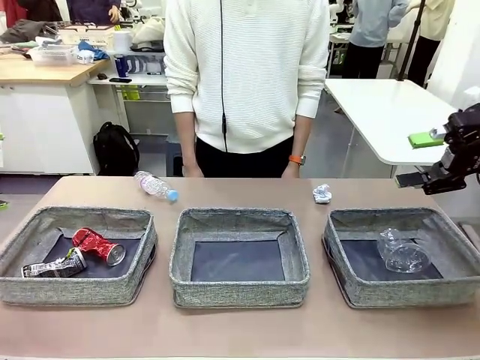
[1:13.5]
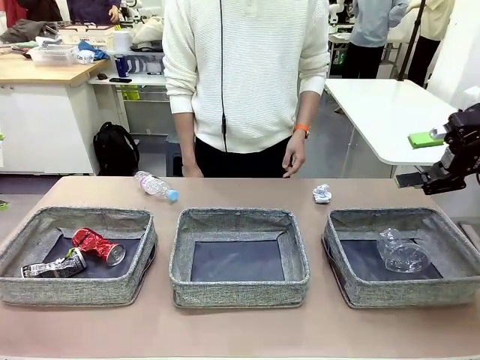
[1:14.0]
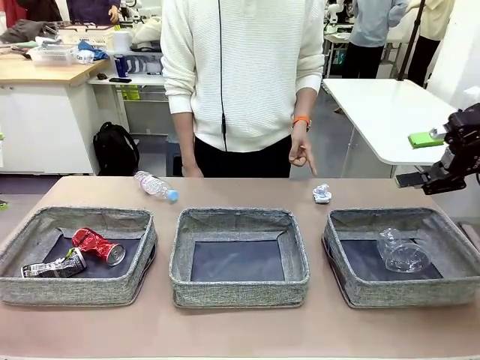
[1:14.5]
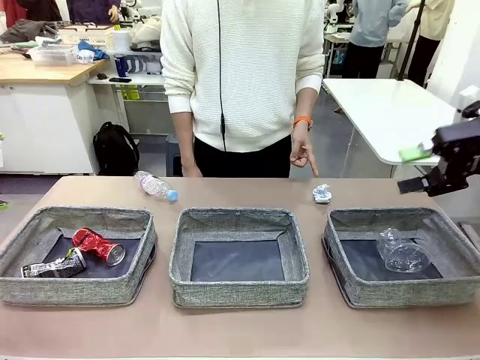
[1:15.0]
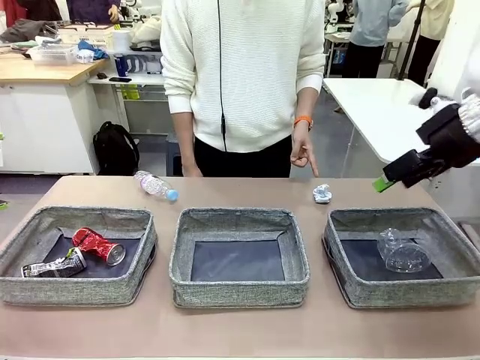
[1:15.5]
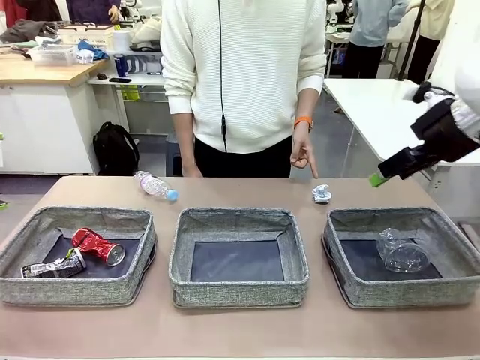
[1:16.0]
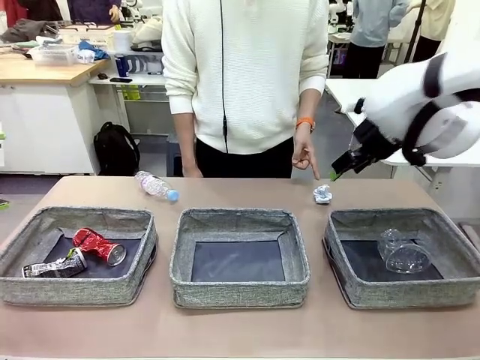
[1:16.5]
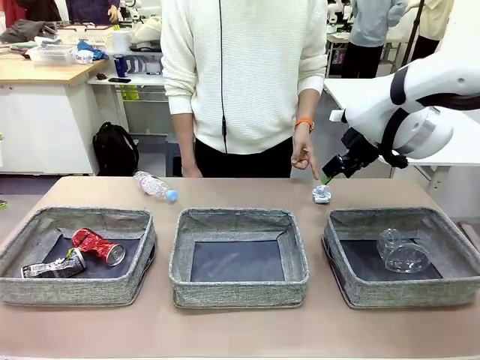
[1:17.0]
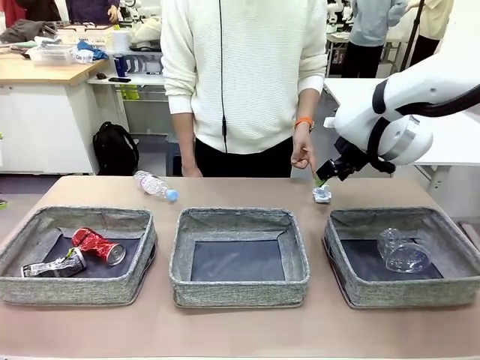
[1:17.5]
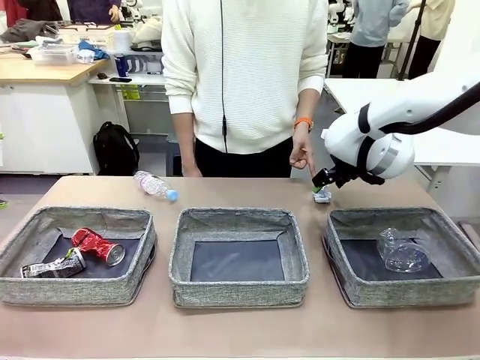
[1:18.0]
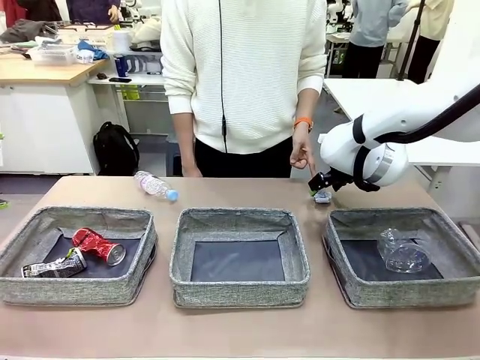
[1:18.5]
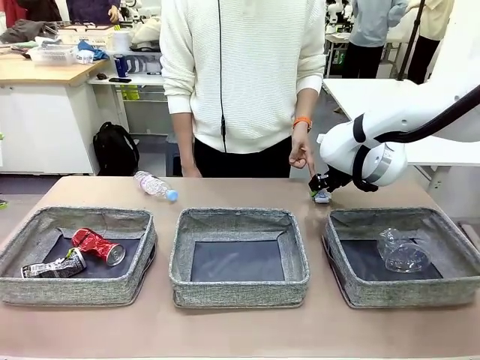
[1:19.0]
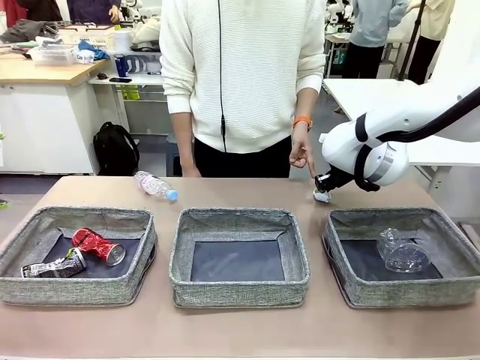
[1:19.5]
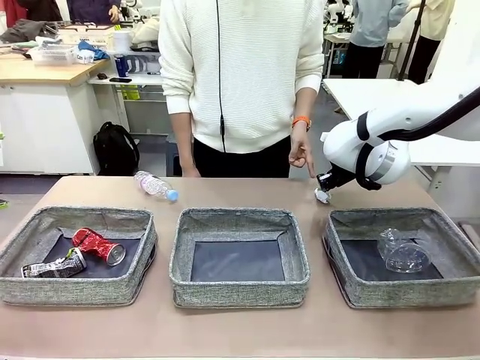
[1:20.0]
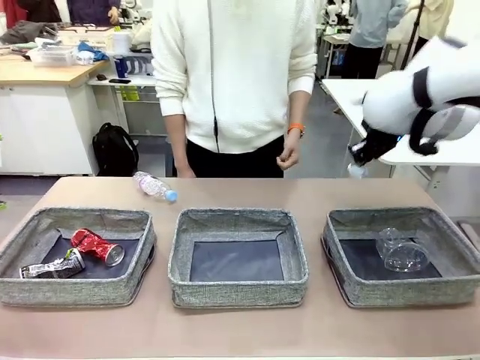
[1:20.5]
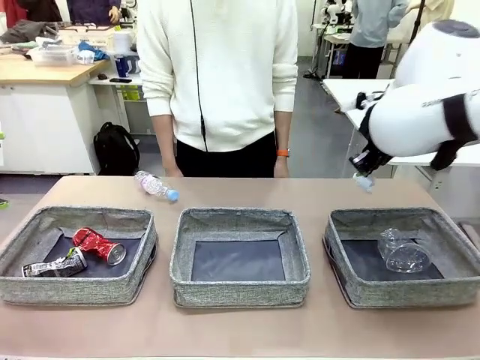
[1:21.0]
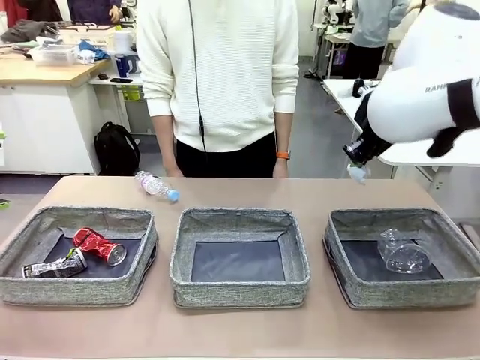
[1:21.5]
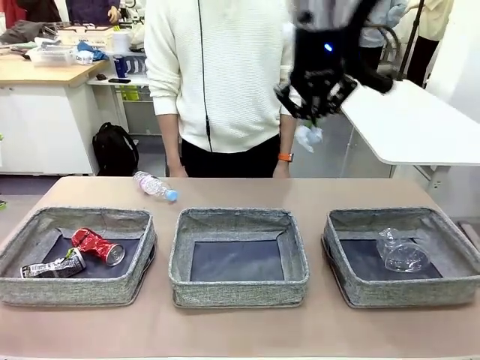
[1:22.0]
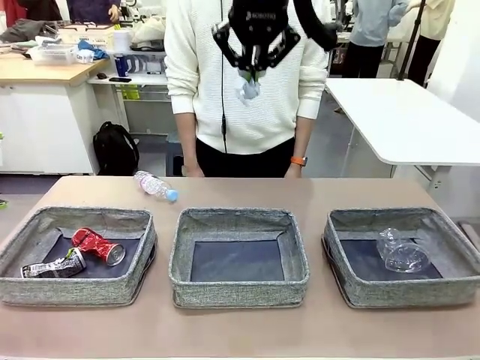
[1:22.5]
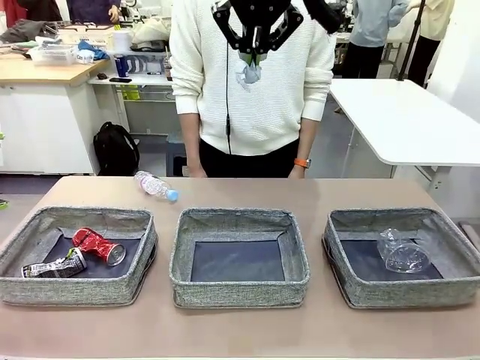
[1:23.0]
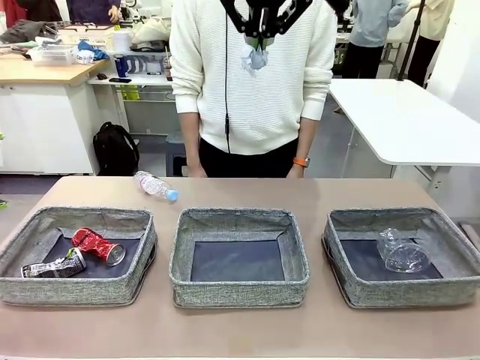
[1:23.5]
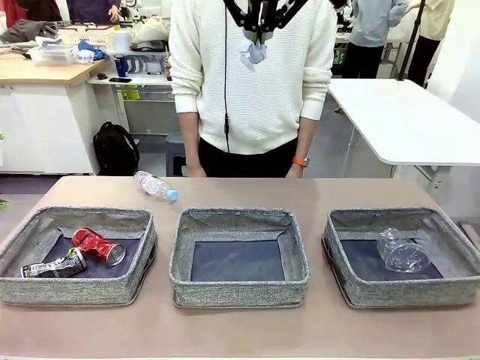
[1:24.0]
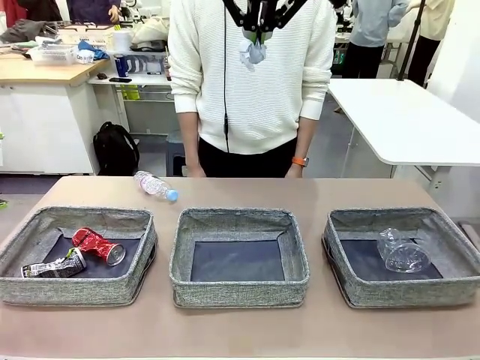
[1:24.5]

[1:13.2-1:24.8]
Task: Sort the waste into the appropriate baskets.
Robot: Pick up the waste item pointed out by the person.
Person: Points to one piece of trash on the table.

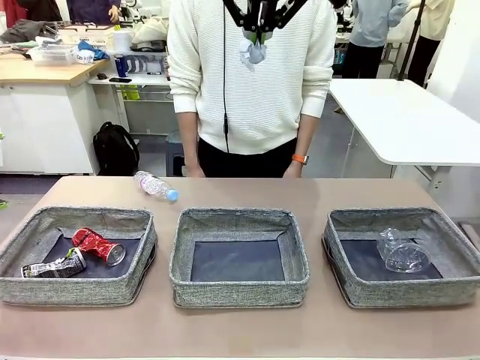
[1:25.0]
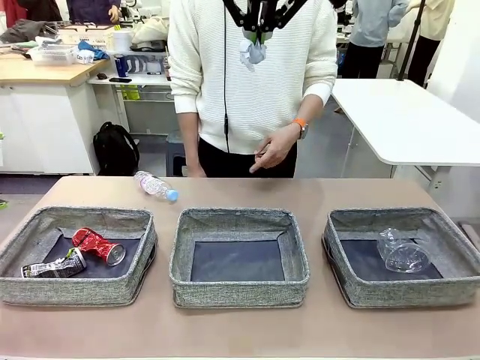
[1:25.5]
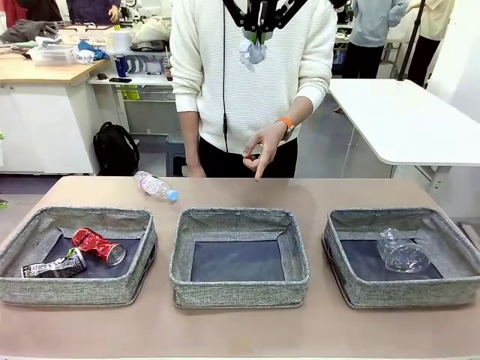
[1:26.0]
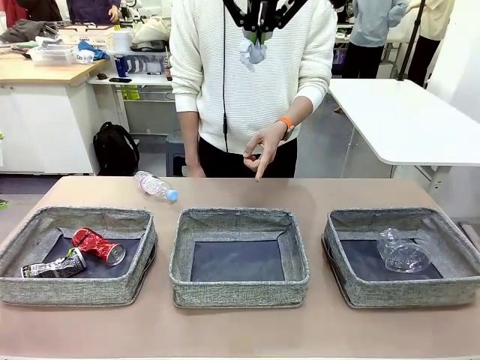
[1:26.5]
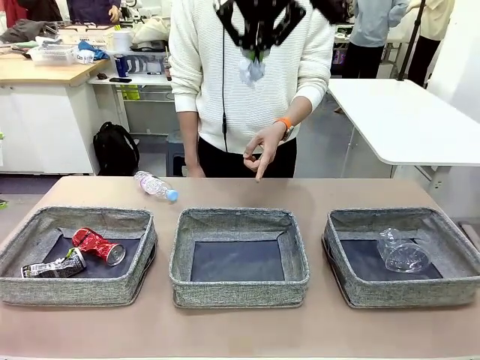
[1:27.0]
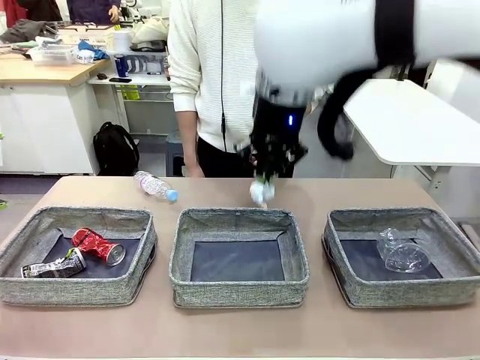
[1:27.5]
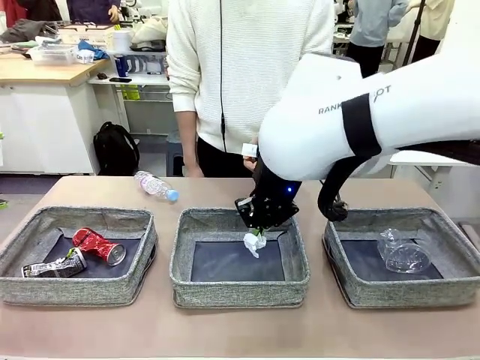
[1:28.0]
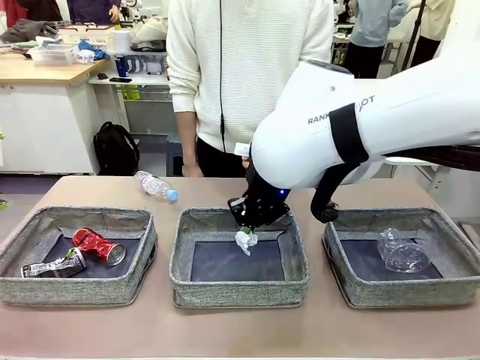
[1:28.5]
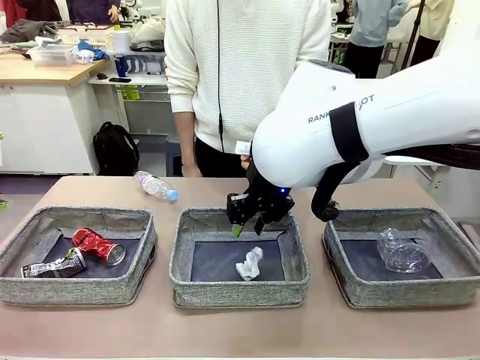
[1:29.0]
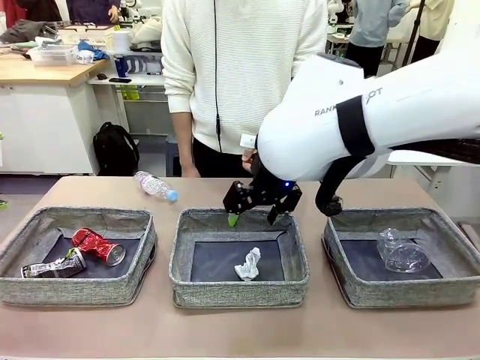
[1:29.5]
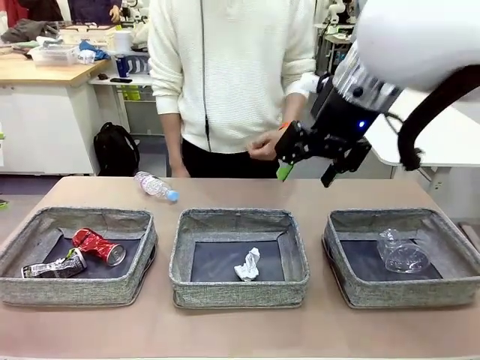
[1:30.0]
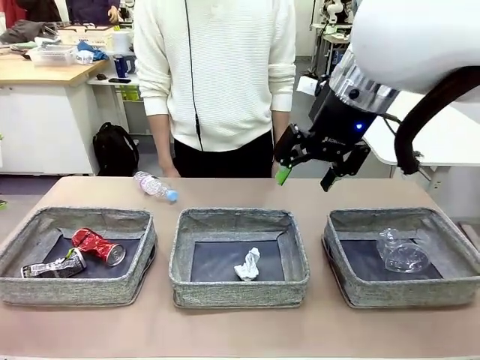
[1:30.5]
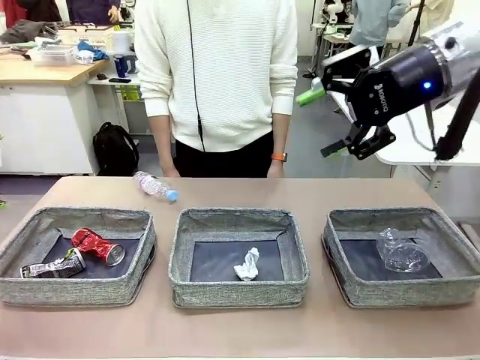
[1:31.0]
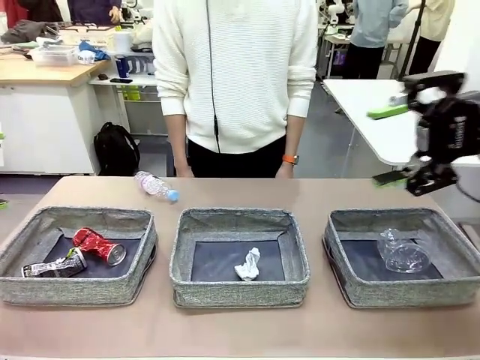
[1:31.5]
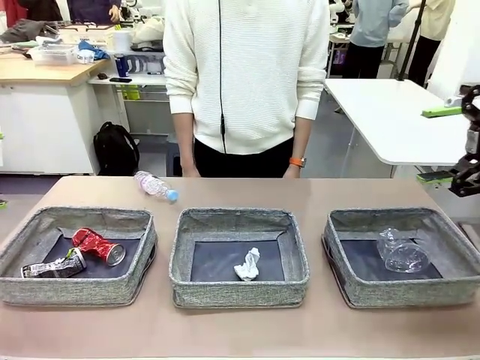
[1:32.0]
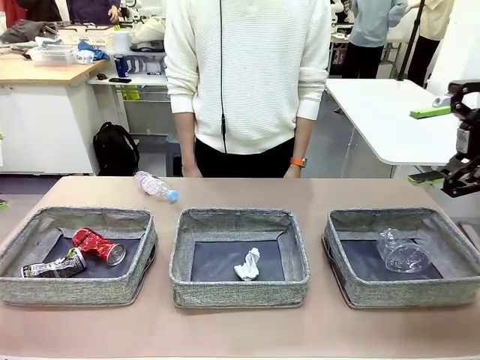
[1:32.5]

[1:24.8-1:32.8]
Robot: Place the picked waste into the Fabric basket indicated by the person.
Person: Instructs the robot to place the picked-up trash into the appropriate organizing basket.

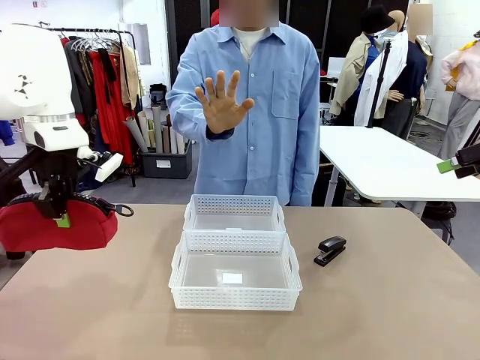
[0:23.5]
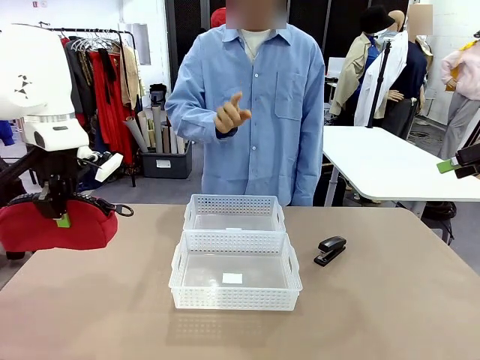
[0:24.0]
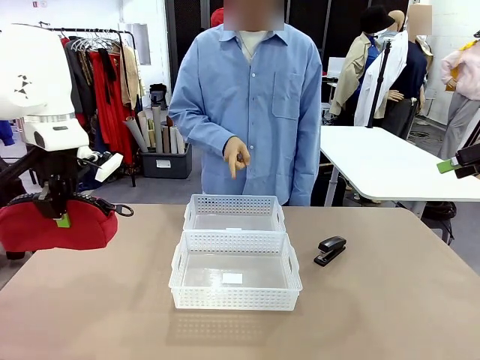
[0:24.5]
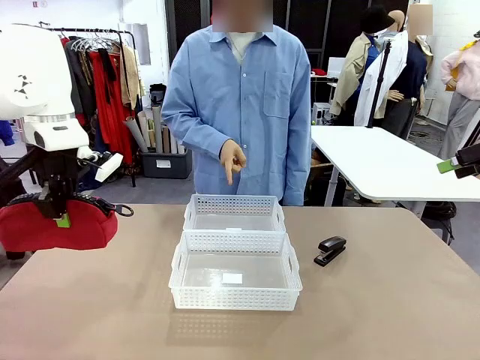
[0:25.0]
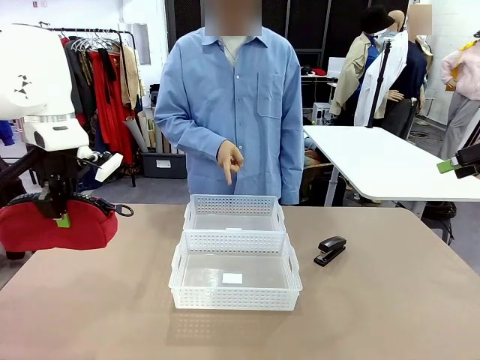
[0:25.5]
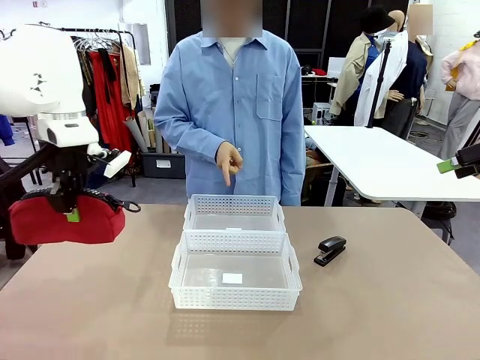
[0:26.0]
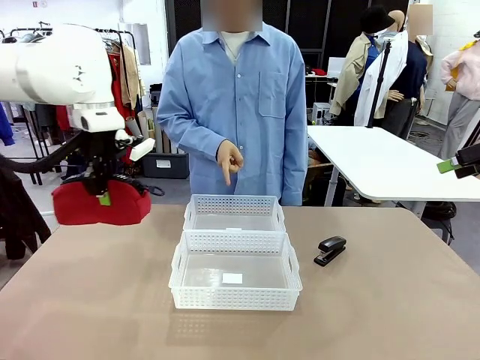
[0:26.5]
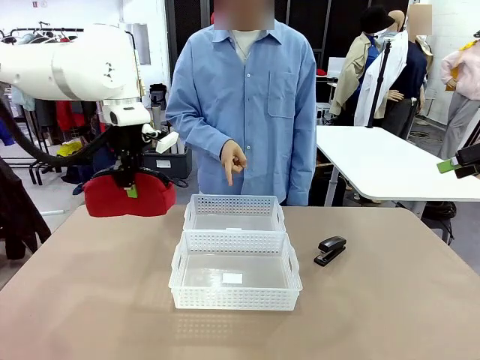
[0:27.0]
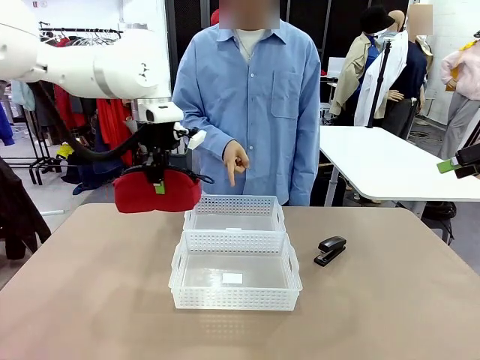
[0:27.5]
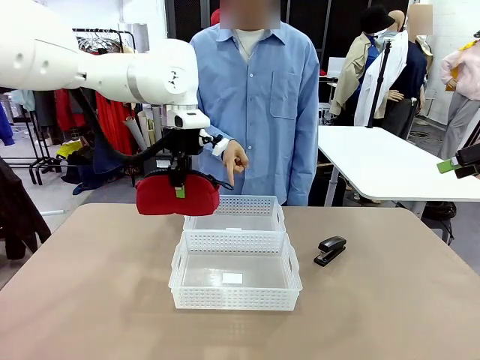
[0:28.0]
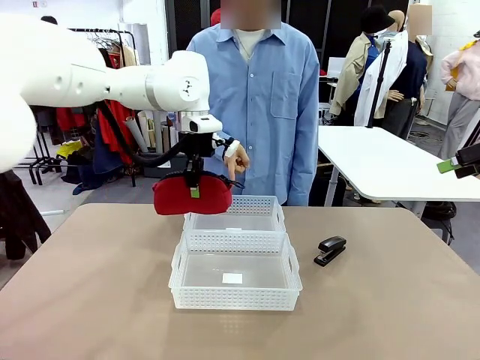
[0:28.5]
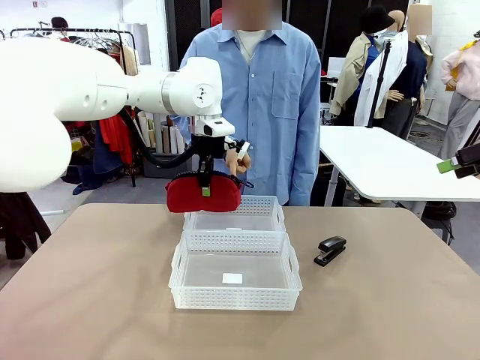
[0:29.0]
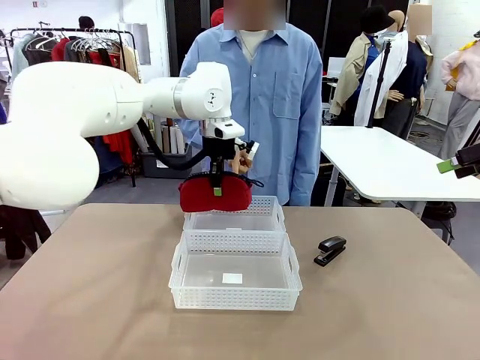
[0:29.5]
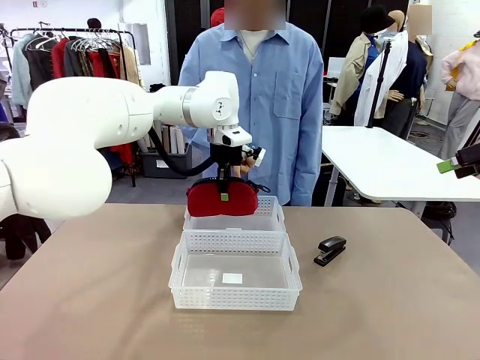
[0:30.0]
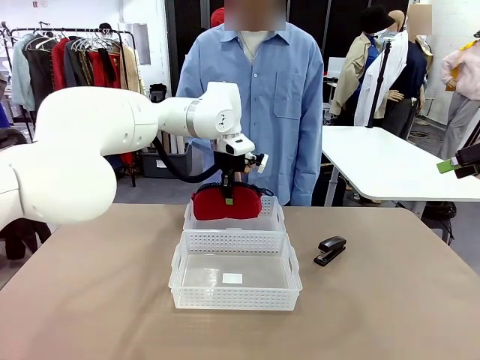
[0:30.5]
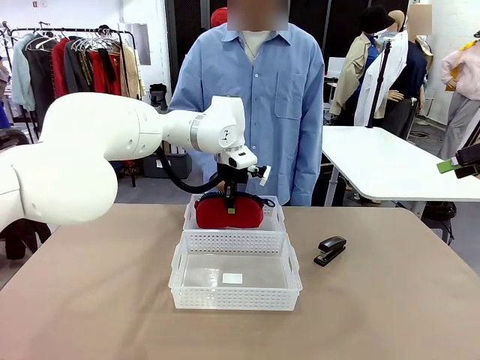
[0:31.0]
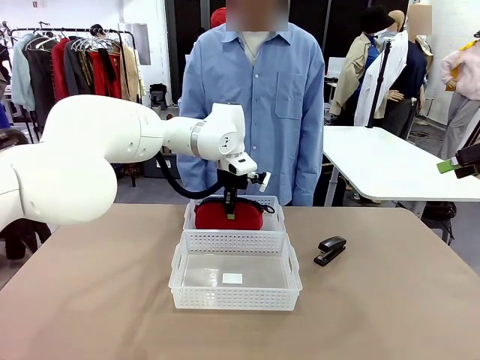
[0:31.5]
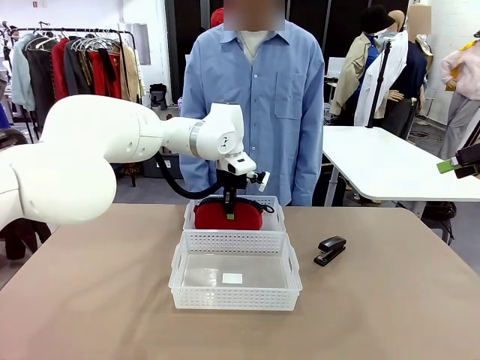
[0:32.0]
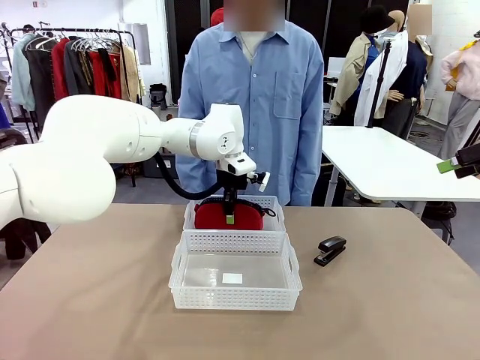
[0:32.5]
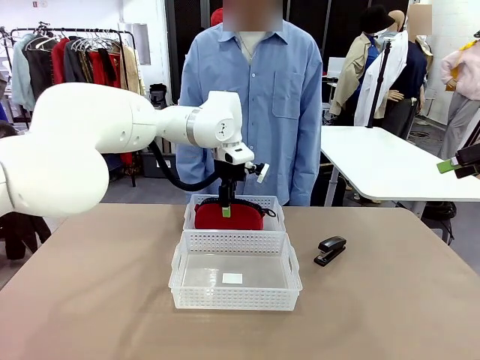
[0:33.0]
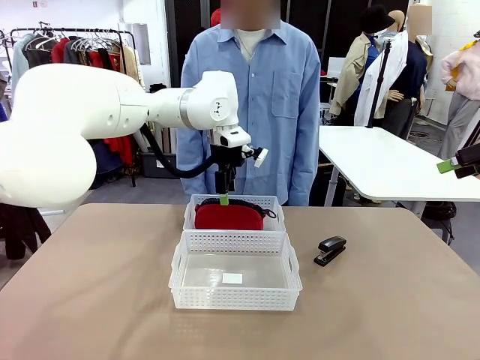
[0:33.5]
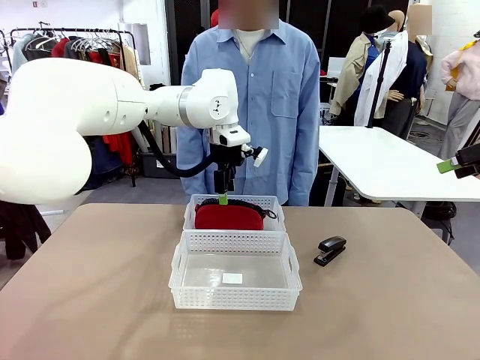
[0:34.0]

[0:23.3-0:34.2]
Task: Distribute items into two baskets.
Robot: Place the picked Pencil pouch into the Organizing basket as instructed by the person.
Person: Instructs the robot to place the pencil case into the opposite basket. Points to the stapler.
